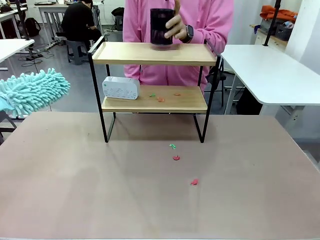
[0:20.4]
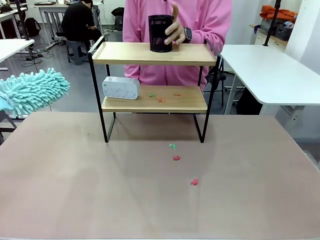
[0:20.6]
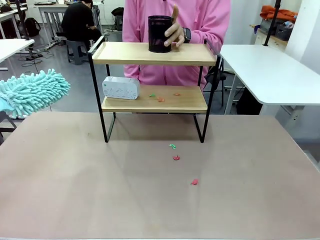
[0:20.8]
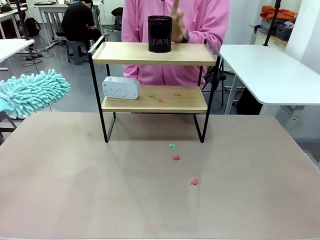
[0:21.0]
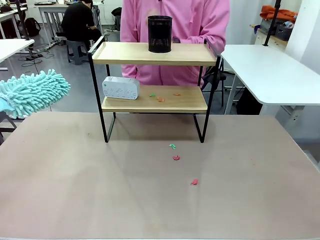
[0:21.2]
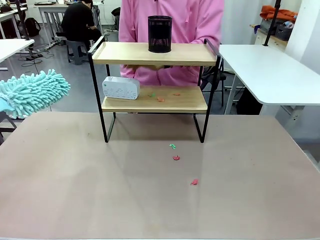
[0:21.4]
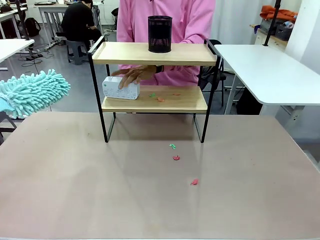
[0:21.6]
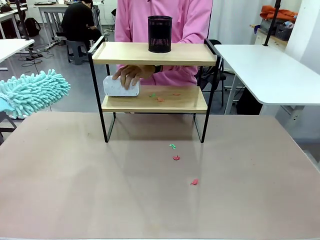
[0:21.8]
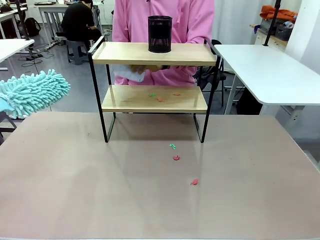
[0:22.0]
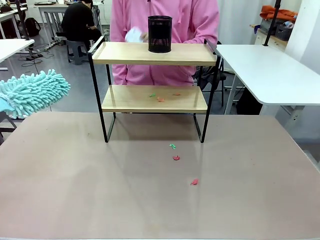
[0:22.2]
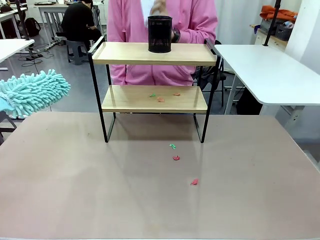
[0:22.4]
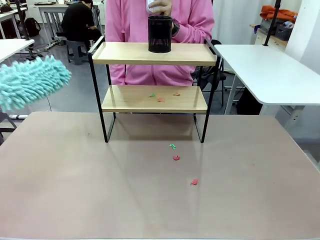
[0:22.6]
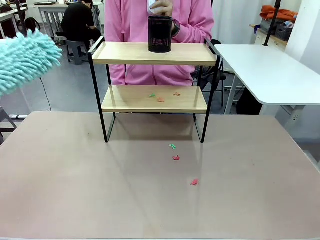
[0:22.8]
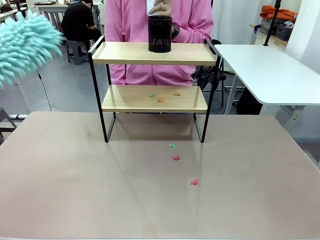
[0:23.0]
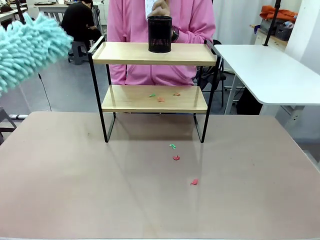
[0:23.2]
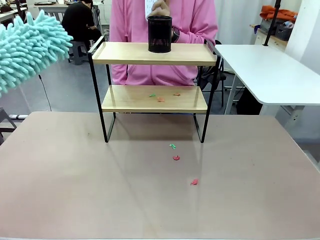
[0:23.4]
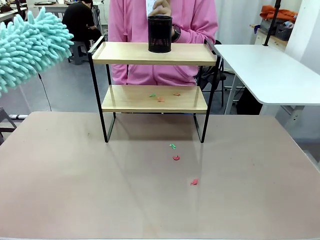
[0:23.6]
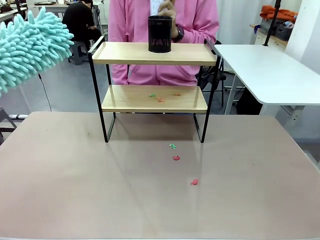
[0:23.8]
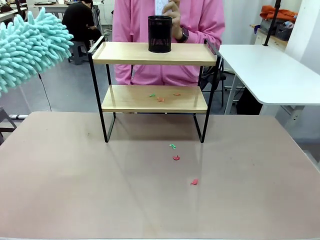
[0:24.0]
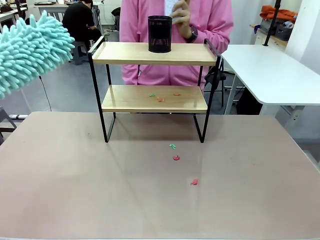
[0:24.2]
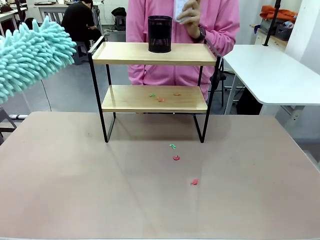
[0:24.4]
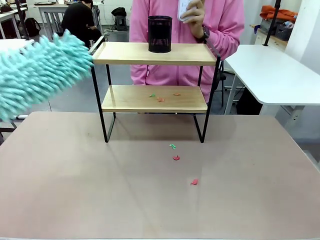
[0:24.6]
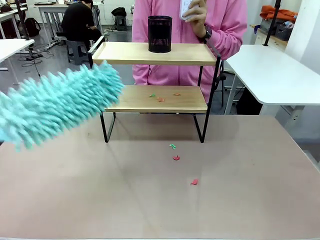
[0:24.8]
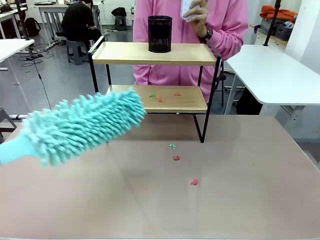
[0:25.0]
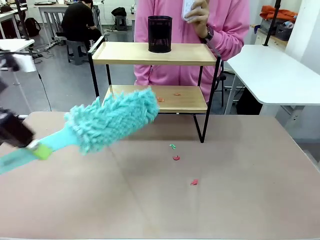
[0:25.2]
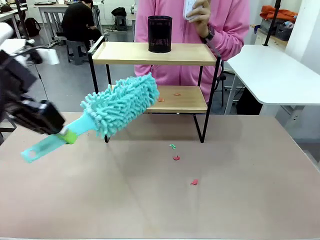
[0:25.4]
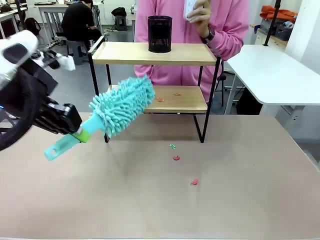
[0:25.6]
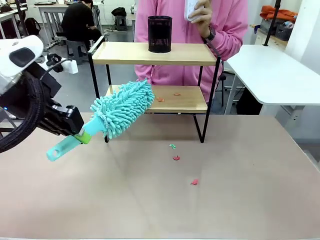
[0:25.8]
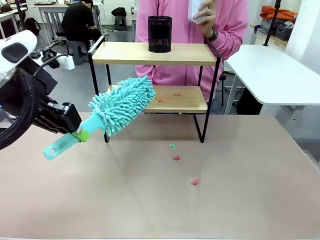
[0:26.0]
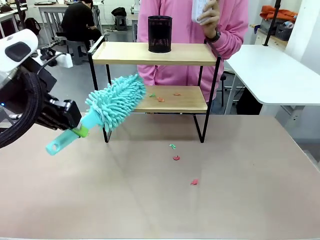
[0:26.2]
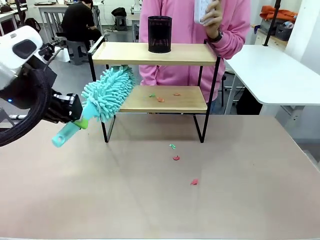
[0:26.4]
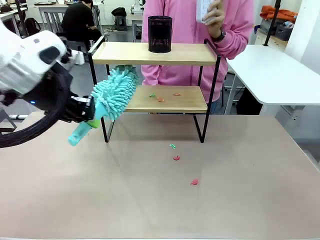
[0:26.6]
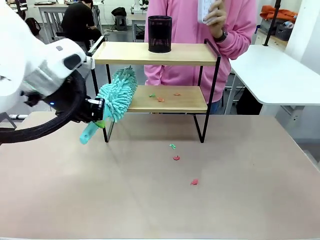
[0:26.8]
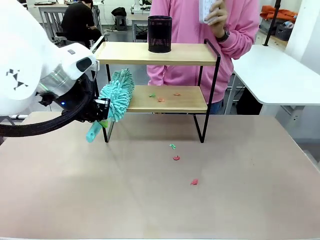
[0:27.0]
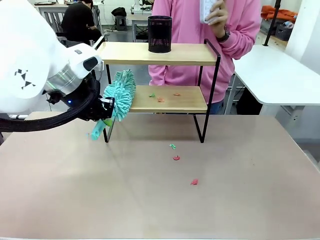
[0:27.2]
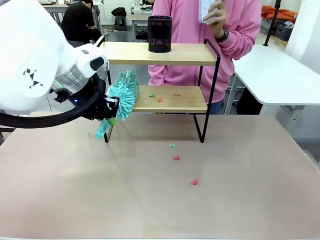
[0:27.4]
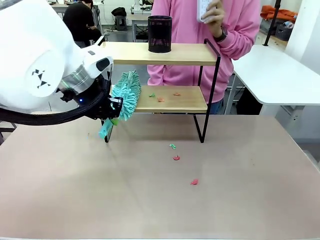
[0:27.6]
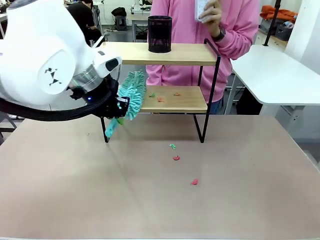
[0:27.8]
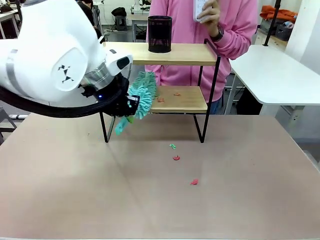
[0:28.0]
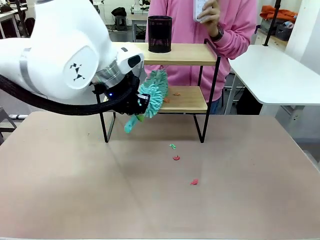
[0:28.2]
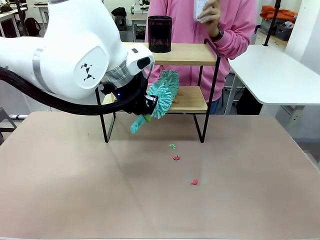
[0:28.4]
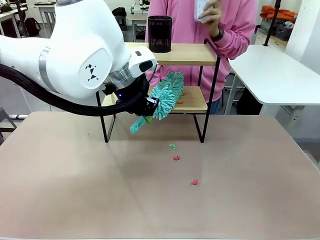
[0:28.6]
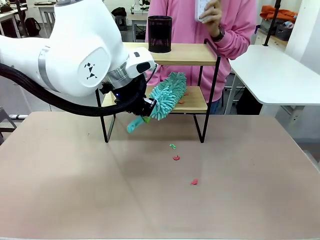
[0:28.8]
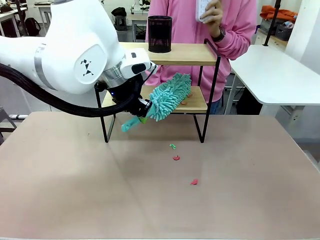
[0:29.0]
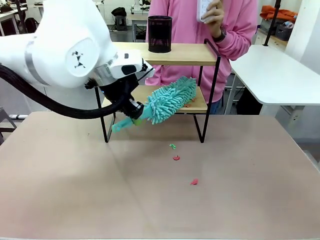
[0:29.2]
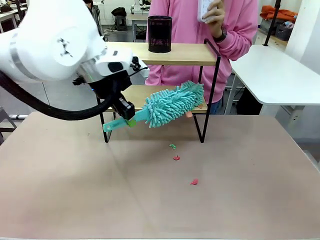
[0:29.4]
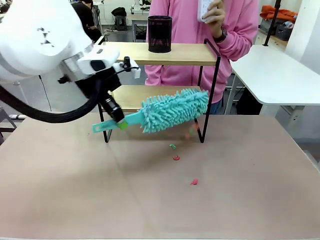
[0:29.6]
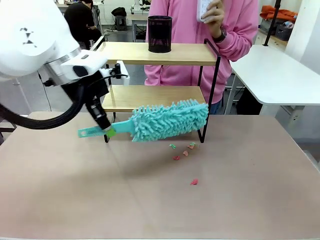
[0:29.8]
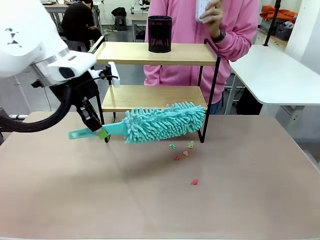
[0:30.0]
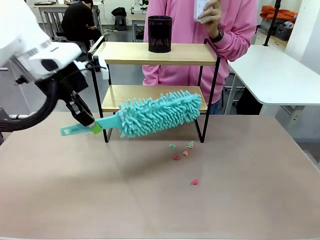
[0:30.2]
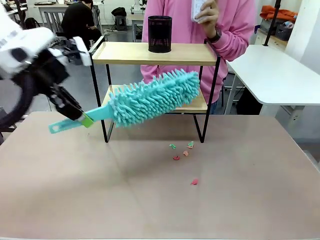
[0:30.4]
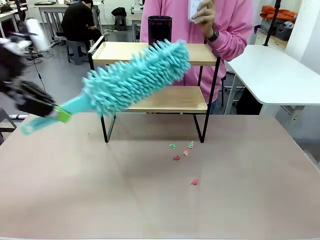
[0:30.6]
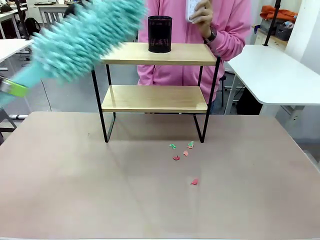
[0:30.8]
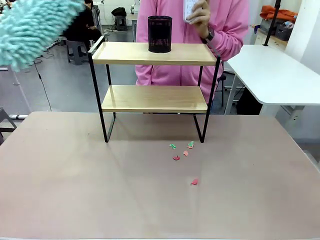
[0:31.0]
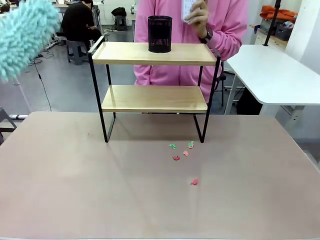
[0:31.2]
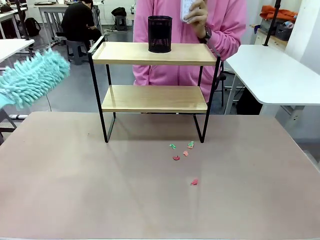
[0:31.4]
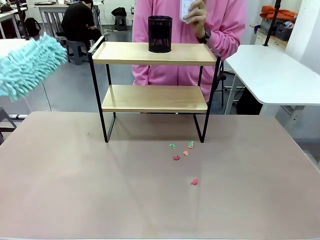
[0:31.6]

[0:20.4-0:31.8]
Task: Clean the shelf.
Robot: Clean the remaining tier of the Shelf with the Duster once objects are removed.

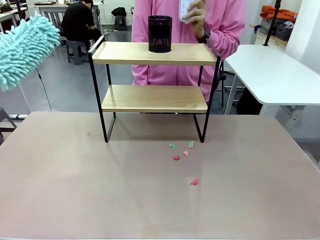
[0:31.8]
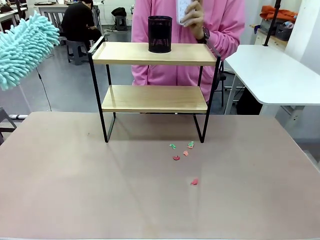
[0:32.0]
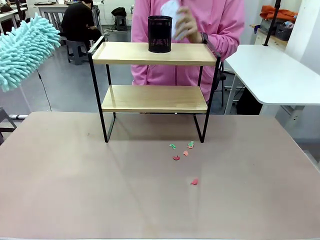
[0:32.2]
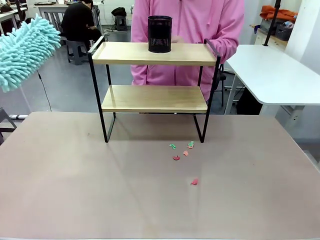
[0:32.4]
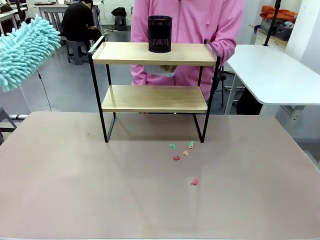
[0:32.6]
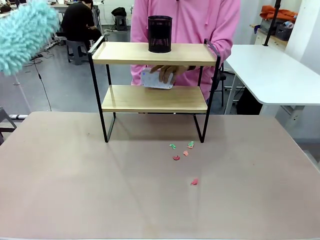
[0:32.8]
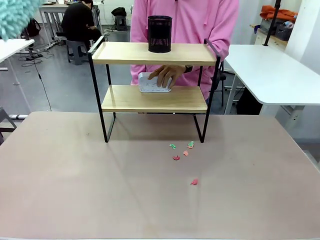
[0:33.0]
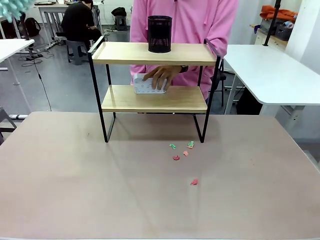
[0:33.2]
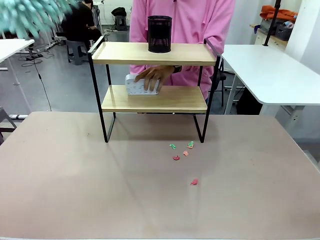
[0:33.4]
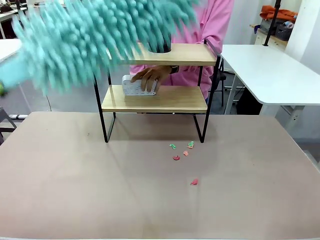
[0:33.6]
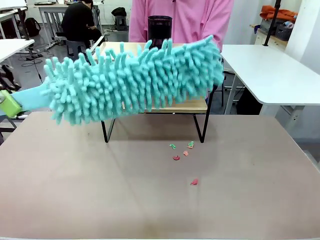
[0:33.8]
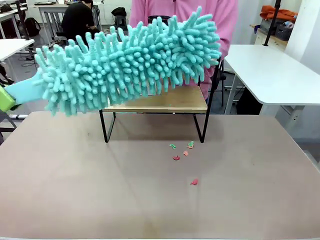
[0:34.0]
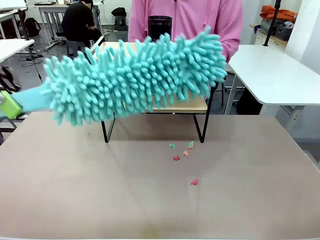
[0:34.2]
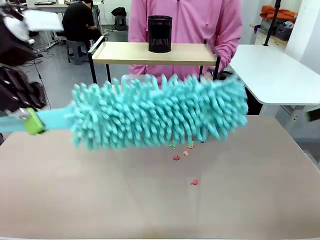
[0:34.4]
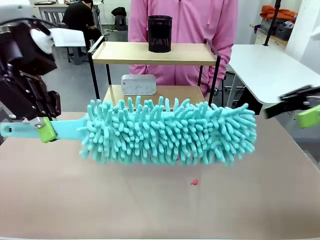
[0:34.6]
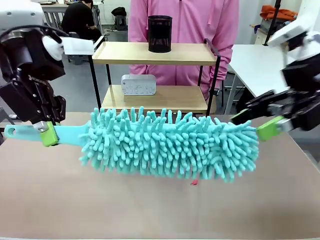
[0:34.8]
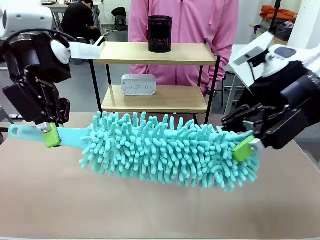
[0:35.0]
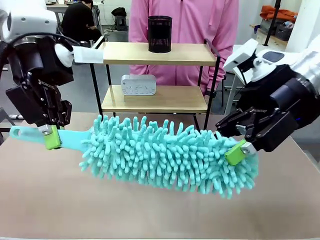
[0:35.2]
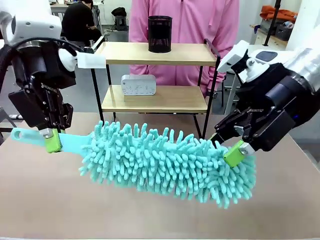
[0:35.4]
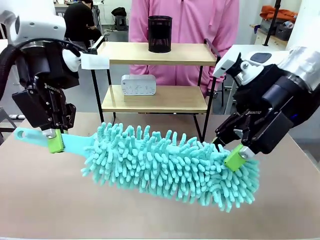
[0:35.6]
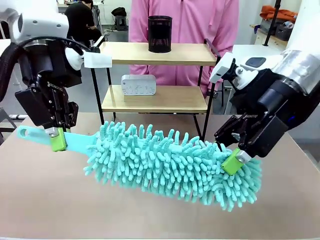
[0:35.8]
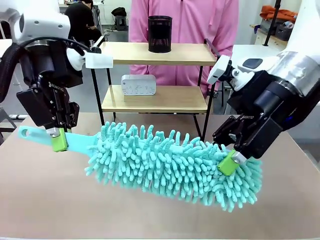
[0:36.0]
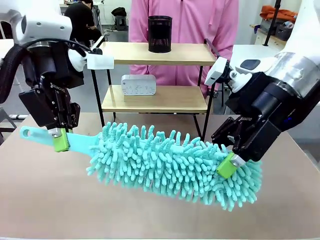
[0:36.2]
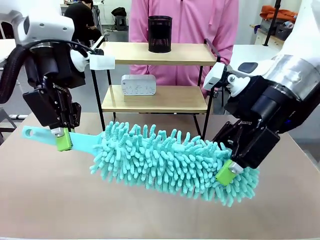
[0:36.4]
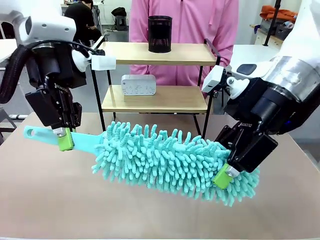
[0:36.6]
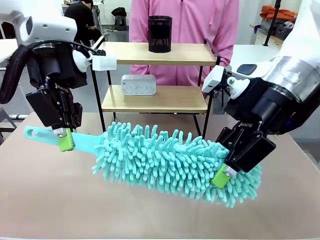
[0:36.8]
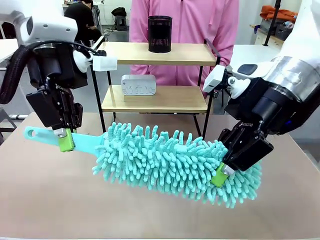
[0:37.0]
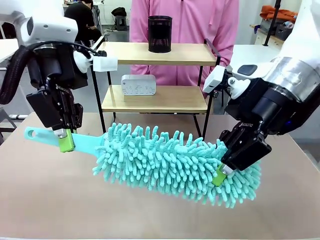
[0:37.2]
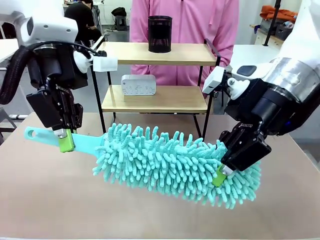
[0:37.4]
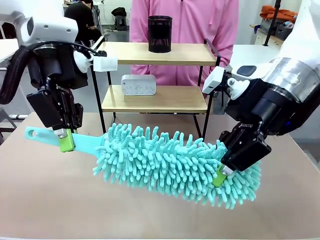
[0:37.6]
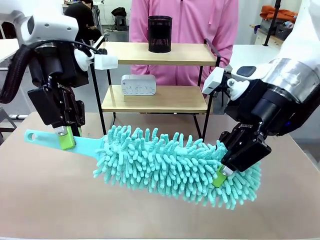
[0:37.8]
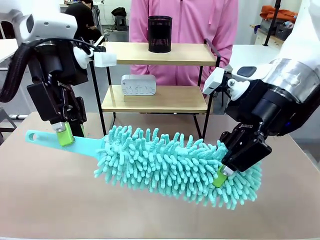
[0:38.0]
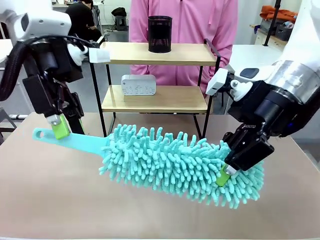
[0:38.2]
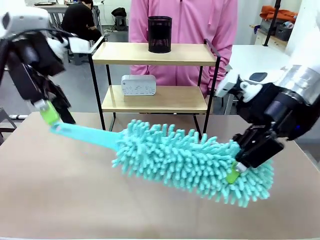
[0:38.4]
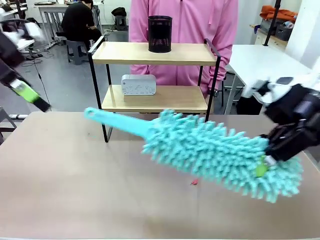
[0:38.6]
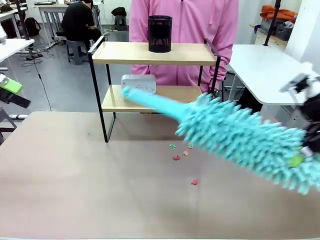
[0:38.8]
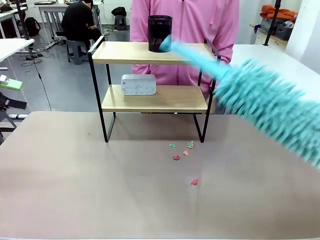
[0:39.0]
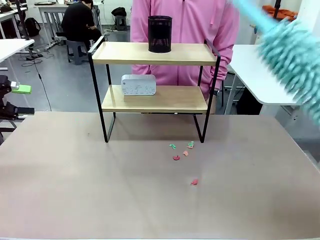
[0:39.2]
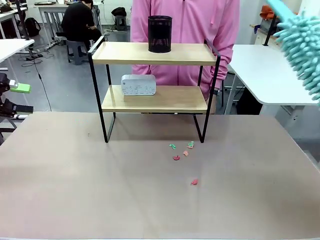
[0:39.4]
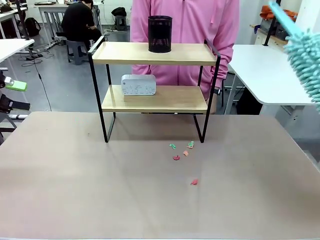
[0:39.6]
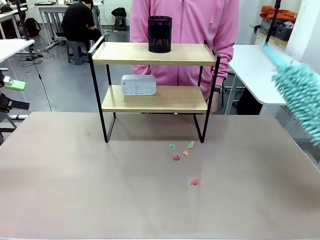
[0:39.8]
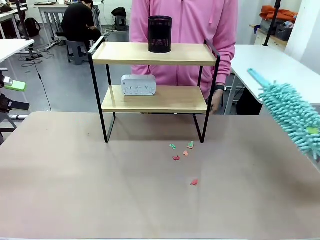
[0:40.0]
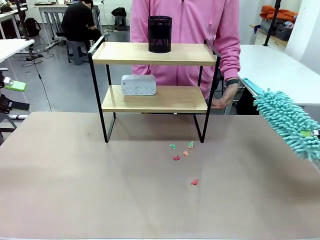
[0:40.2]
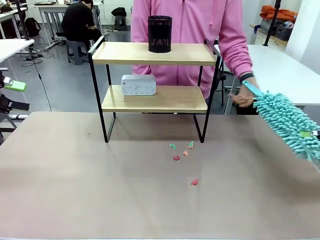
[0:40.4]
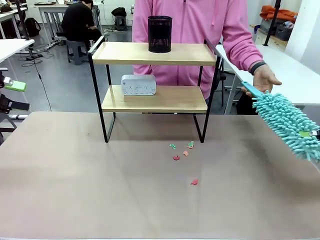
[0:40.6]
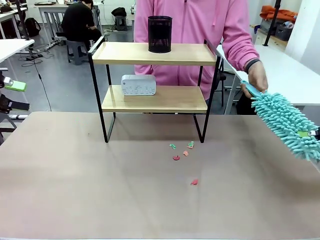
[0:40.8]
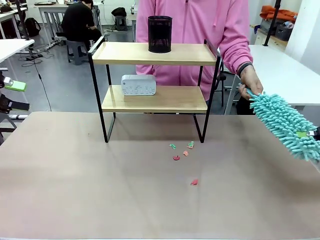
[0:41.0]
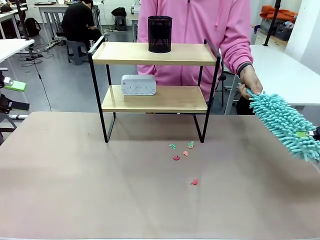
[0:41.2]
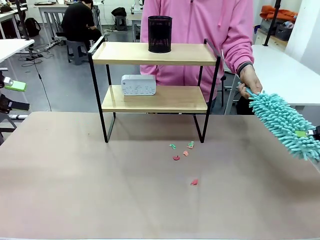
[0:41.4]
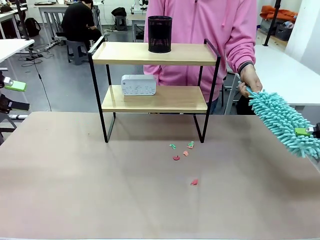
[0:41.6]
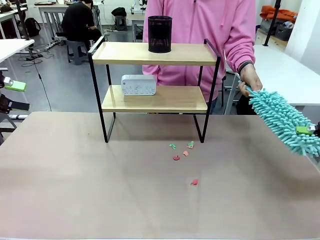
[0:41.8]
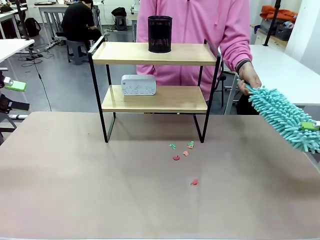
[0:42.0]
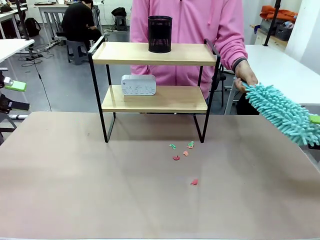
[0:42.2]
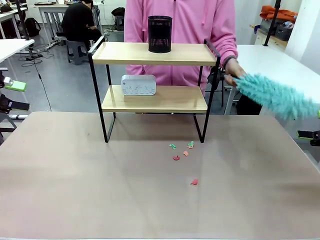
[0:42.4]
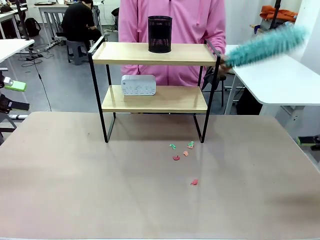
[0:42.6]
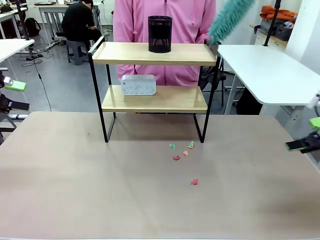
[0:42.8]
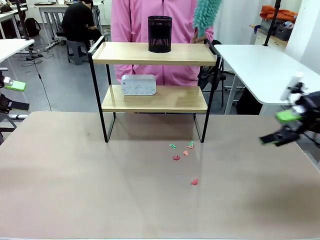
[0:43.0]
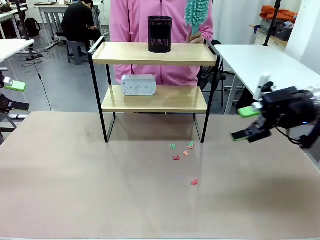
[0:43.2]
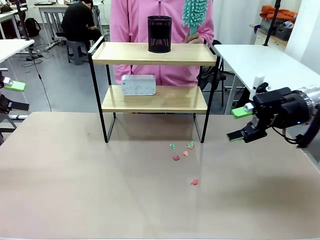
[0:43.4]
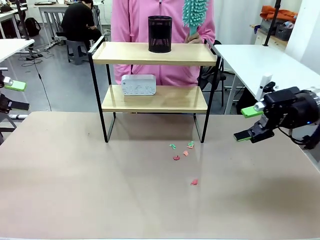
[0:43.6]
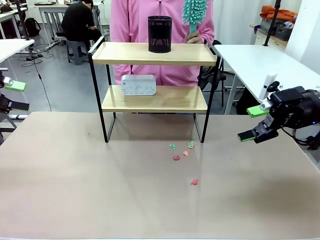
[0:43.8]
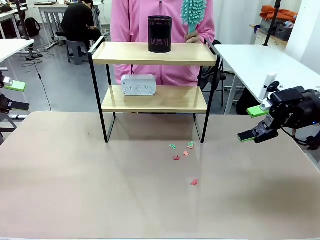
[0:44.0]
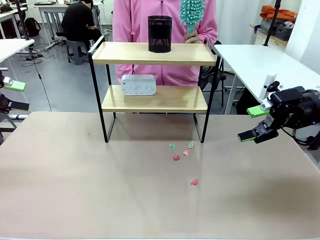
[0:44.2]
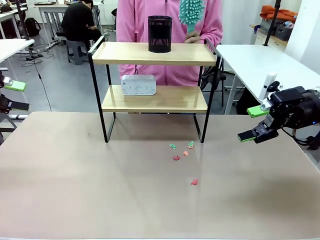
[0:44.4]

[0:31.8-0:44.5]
Robot: Hand the Duster back to the human.
Person: Receive the Duster from the robot.
